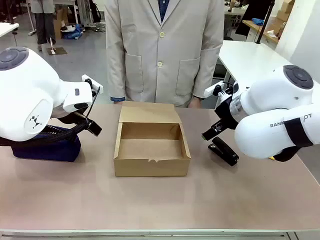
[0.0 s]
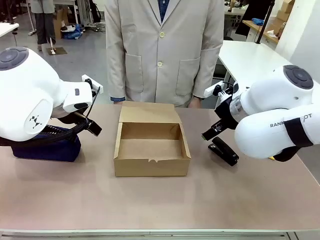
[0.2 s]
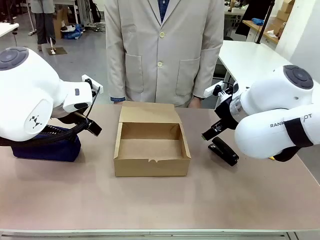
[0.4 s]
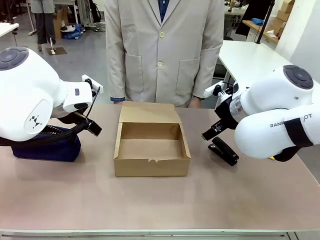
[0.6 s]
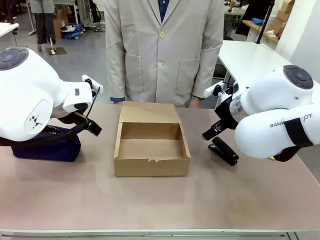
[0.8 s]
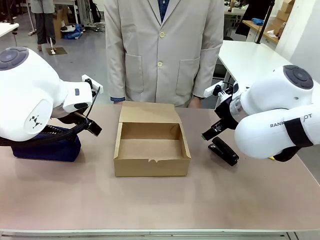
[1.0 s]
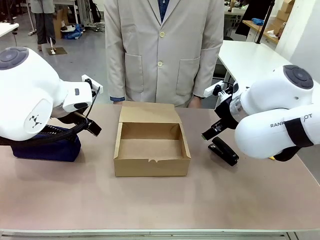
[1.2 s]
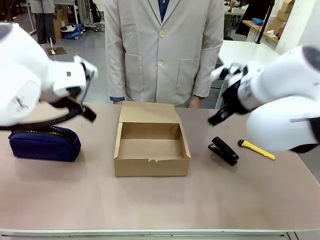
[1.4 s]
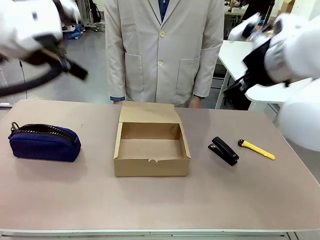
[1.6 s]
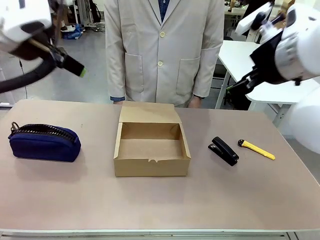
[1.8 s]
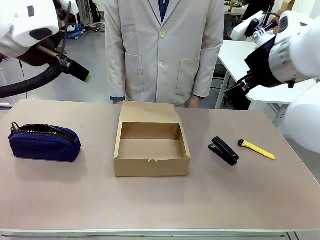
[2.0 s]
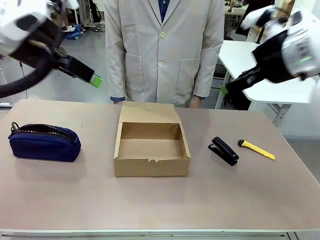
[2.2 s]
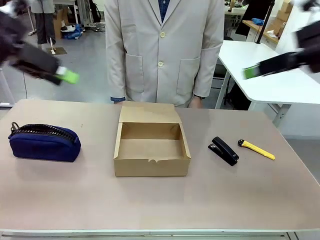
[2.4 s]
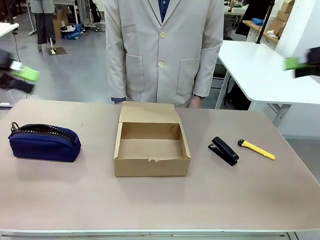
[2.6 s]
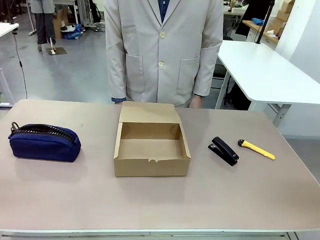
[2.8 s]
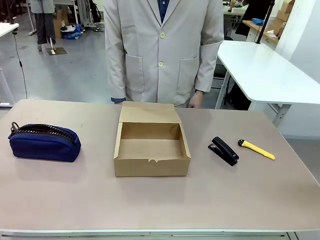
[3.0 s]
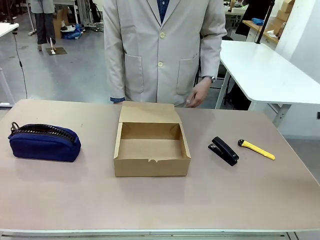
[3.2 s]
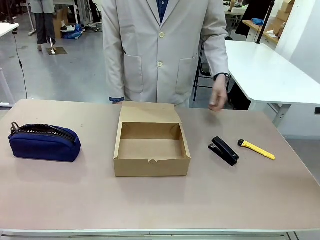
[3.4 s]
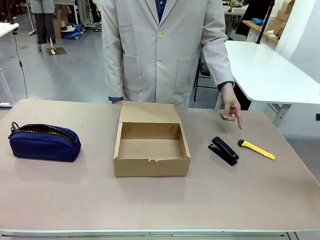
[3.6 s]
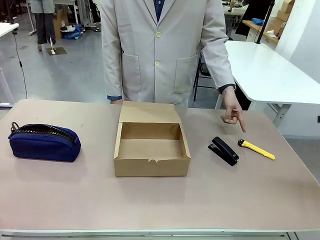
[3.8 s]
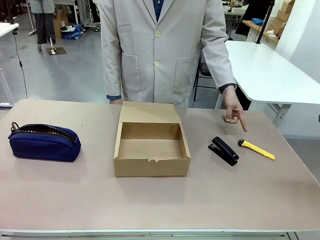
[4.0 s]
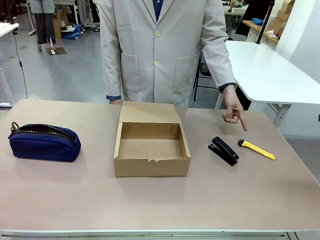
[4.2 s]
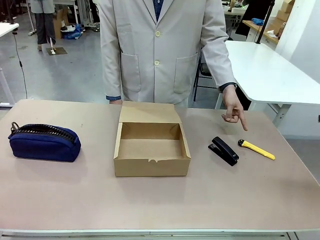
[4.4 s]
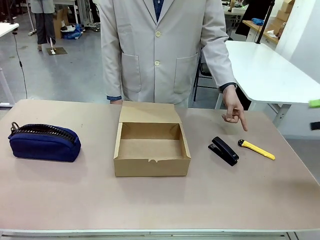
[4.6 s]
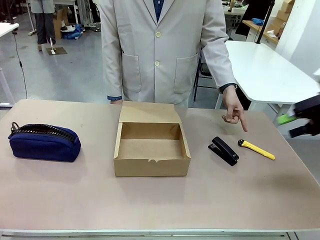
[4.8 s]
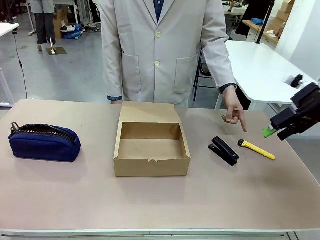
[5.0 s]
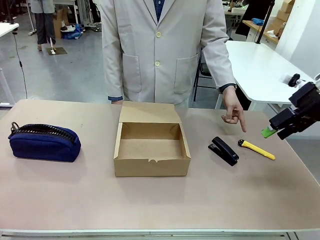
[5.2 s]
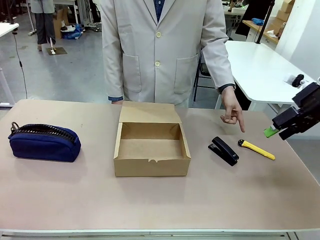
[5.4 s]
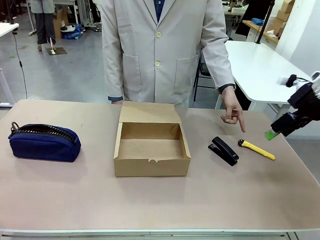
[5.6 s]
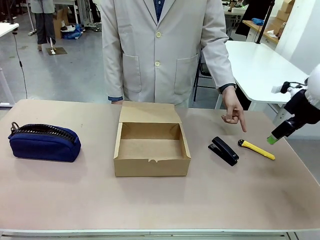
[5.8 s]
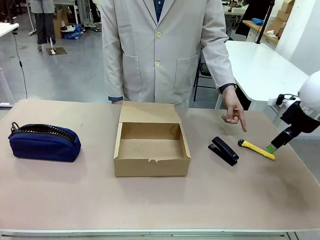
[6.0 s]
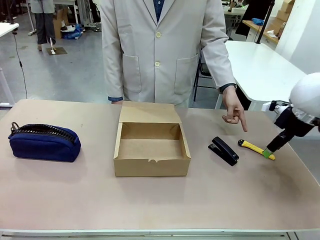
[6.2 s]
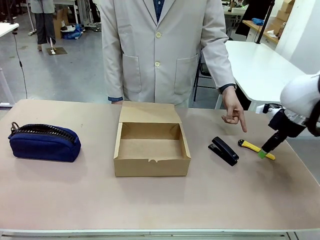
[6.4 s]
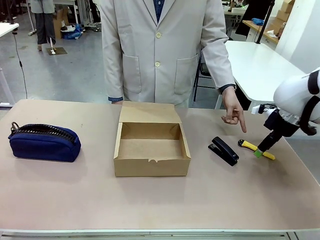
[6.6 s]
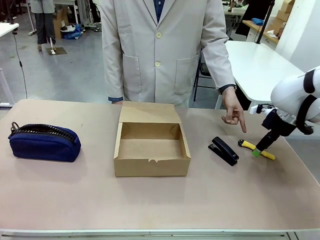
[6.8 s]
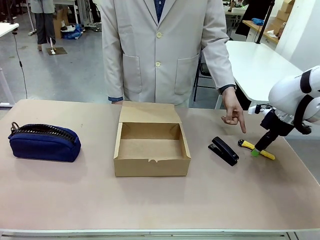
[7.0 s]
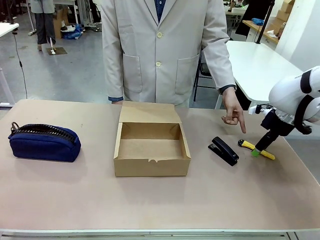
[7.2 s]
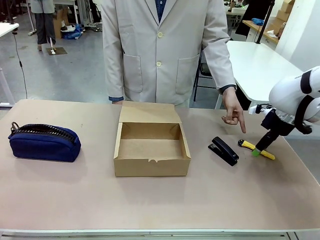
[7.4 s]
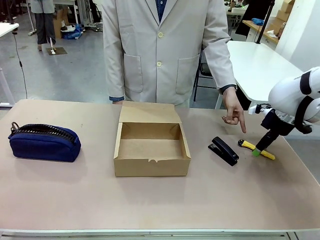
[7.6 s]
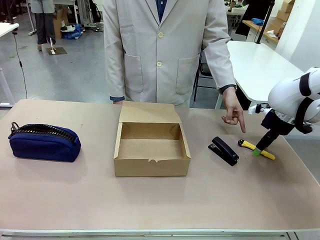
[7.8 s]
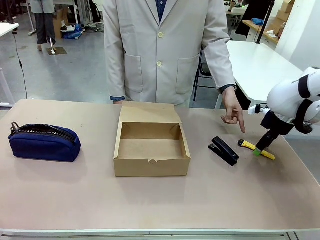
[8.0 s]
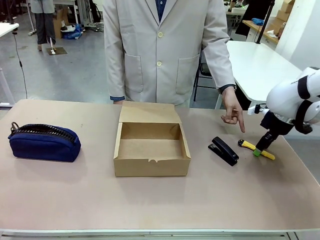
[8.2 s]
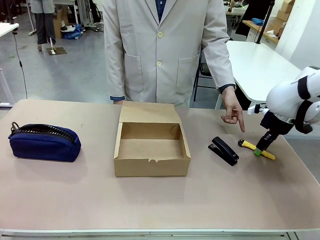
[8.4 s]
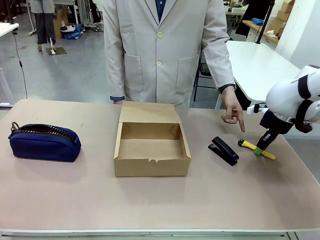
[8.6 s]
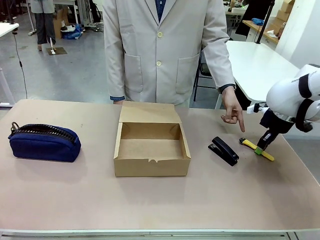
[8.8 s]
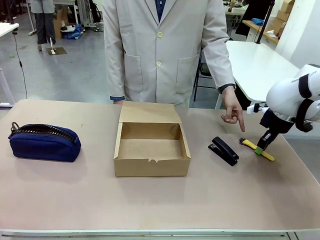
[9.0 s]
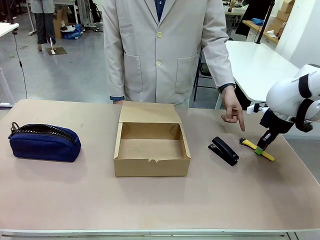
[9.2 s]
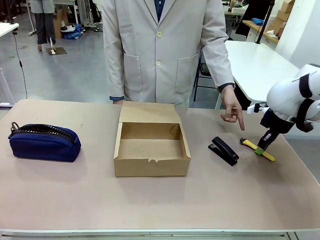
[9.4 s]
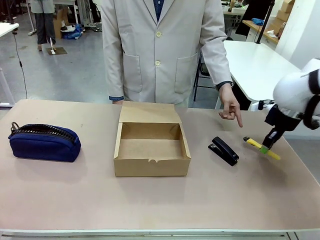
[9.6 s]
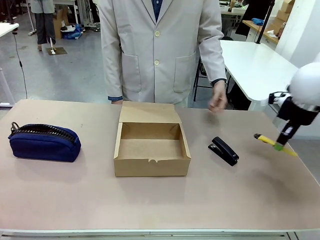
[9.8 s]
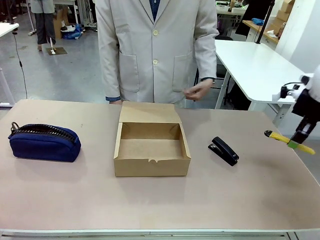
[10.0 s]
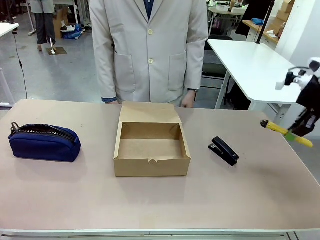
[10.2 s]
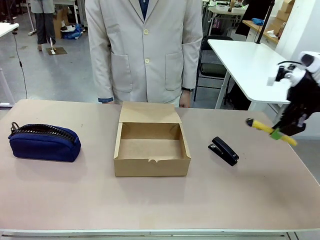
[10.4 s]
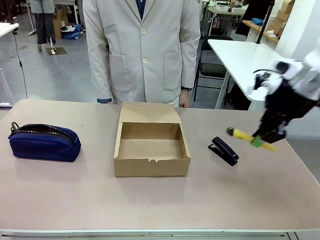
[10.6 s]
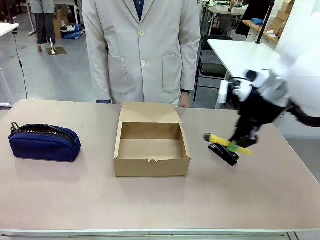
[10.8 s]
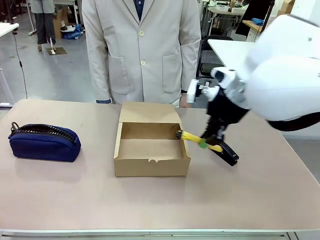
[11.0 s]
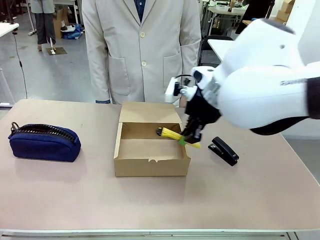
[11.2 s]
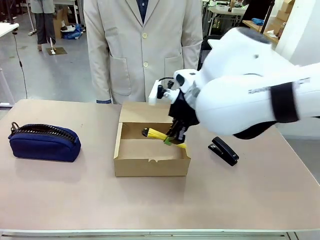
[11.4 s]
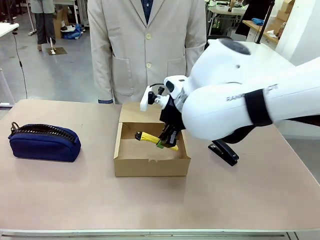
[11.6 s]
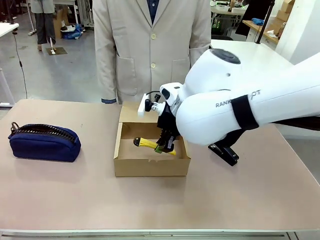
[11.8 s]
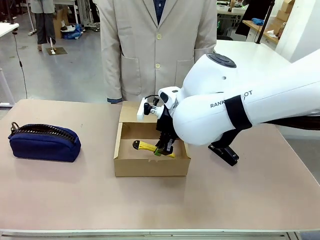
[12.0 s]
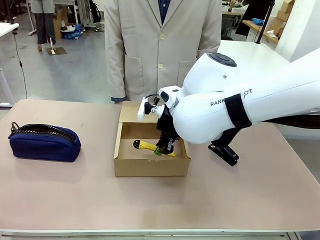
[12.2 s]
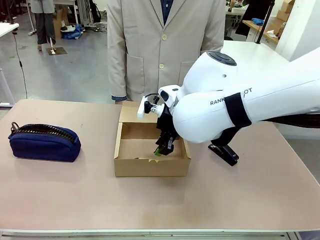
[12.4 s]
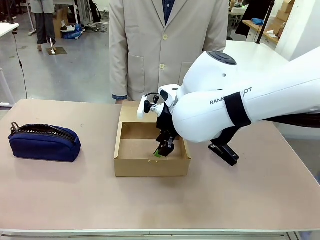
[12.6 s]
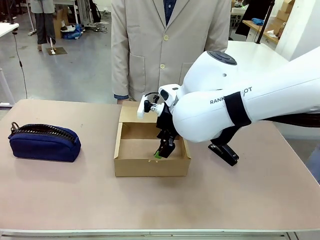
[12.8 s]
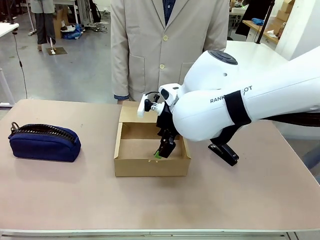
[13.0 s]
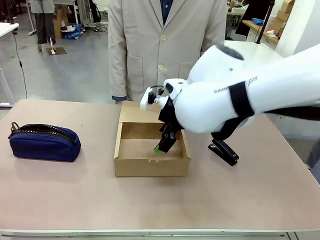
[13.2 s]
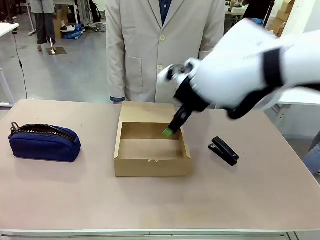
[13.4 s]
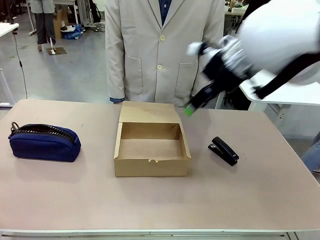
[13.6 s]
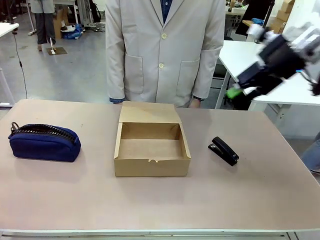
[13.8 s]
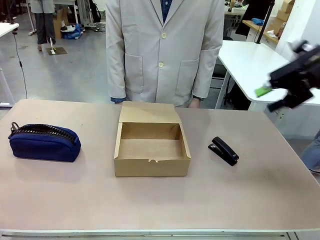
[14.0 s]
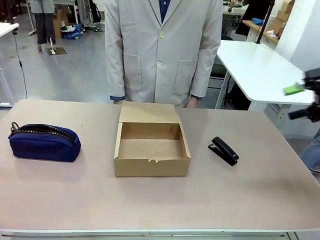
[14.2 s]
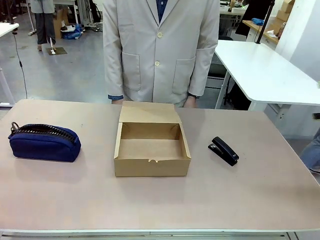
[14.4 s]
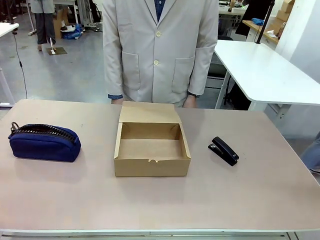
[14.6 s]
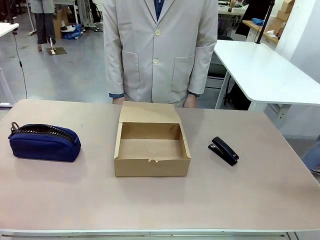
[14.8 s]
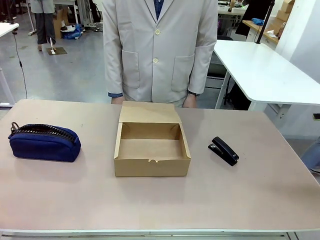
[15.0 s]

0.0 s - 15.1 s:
Task: Pack the item into the box.
Robot: Pick up the item indicated by the person and place it inside the Mailer Box.
Person: Point at one item on the table (excluding the box).
